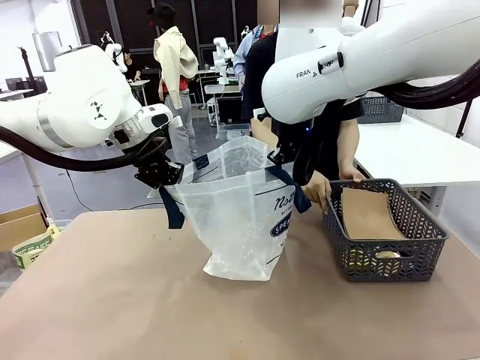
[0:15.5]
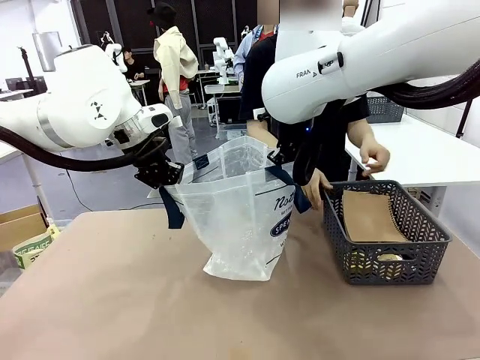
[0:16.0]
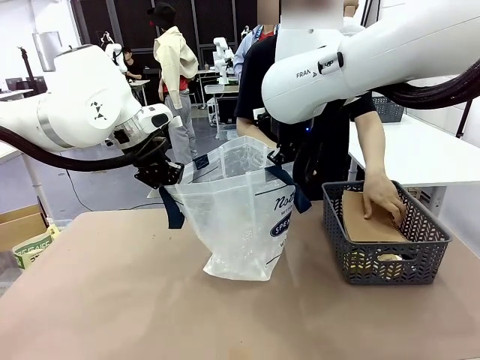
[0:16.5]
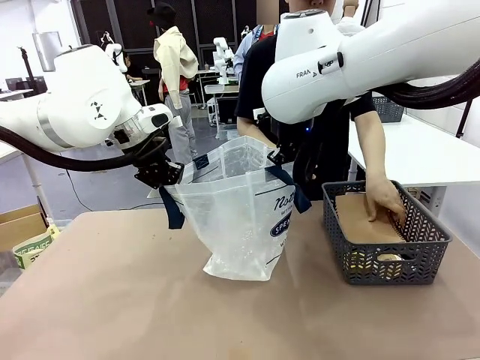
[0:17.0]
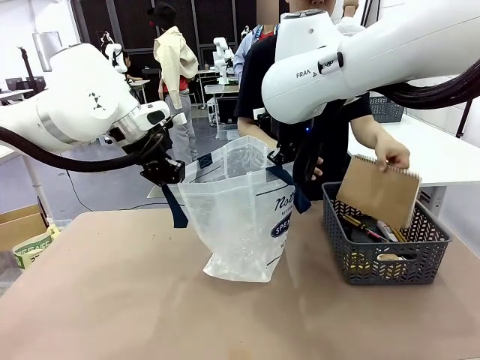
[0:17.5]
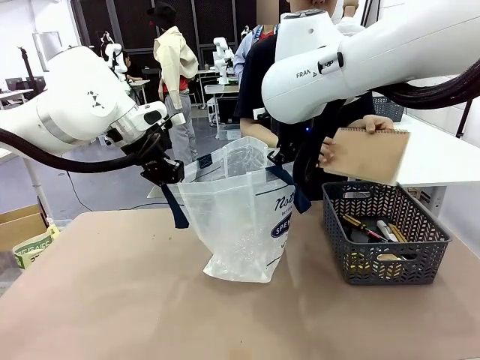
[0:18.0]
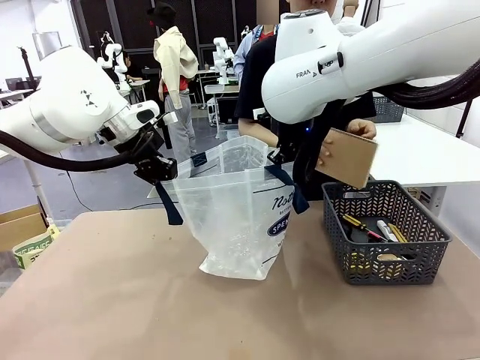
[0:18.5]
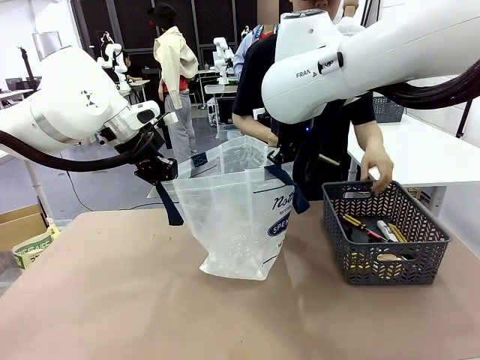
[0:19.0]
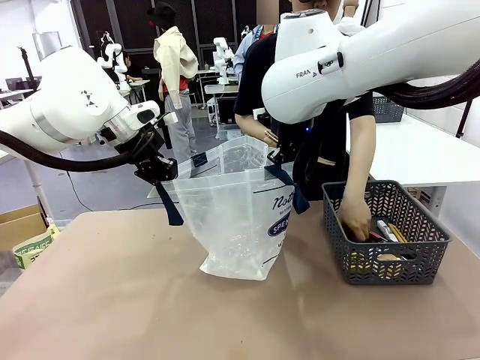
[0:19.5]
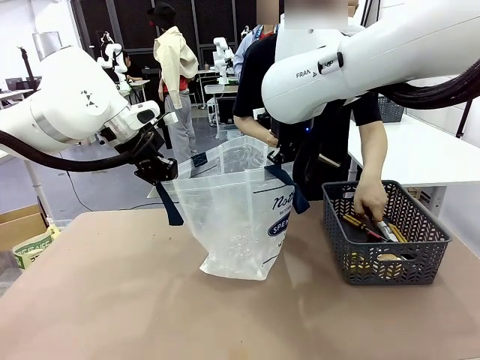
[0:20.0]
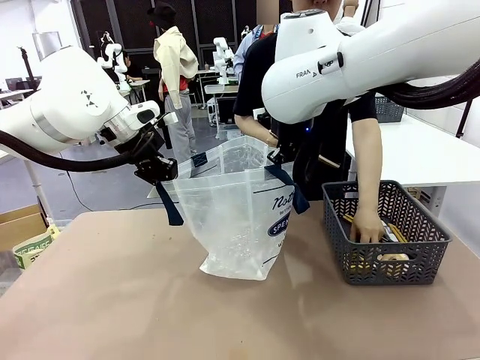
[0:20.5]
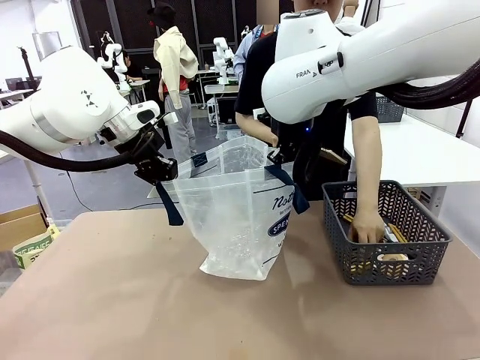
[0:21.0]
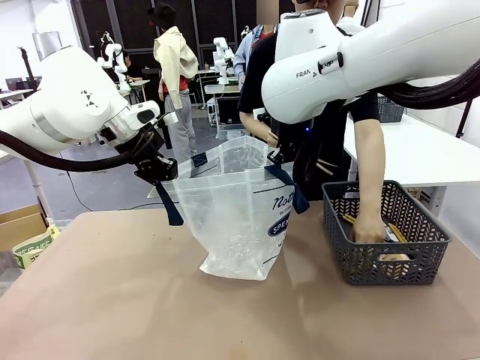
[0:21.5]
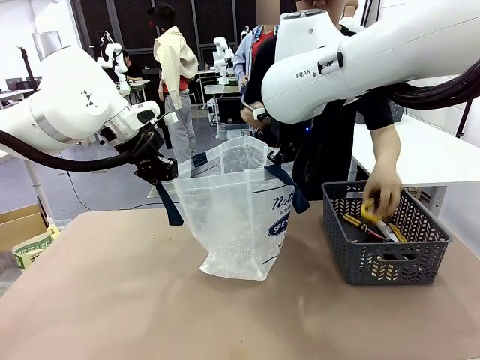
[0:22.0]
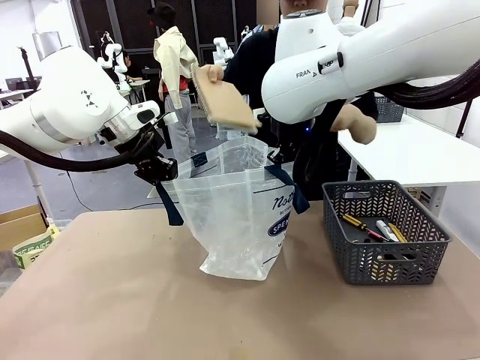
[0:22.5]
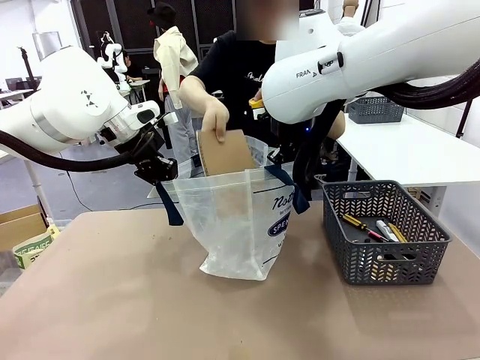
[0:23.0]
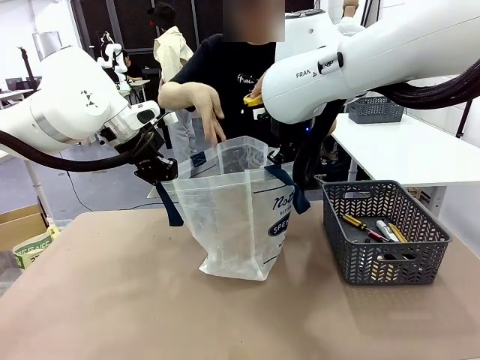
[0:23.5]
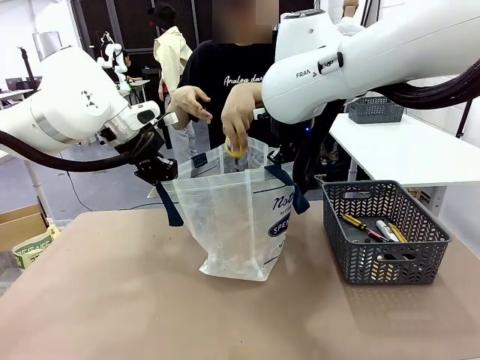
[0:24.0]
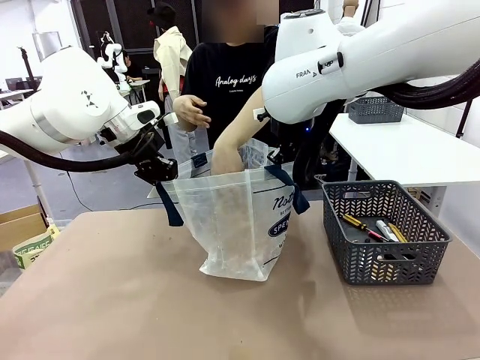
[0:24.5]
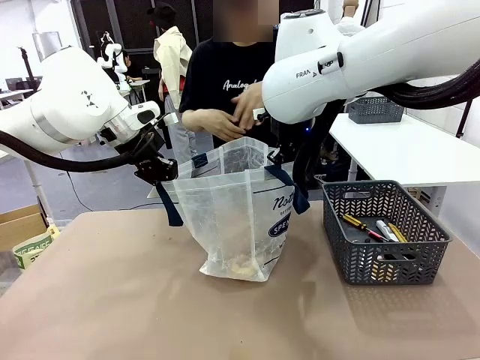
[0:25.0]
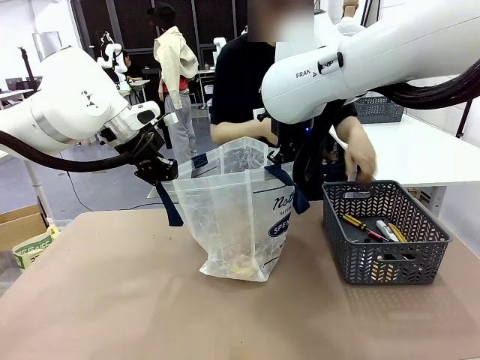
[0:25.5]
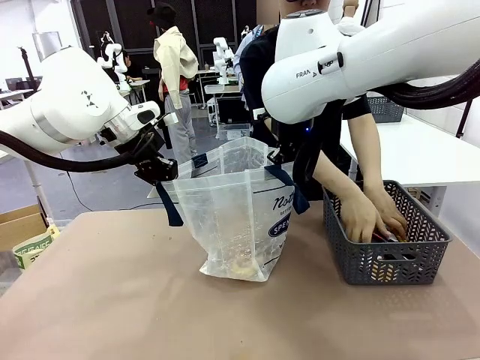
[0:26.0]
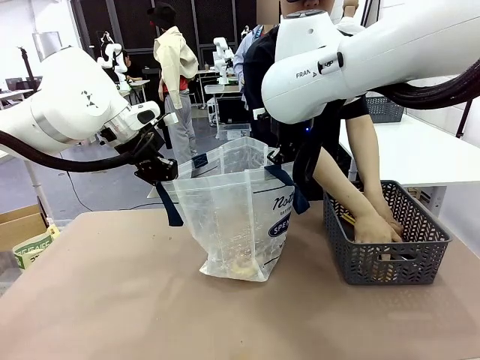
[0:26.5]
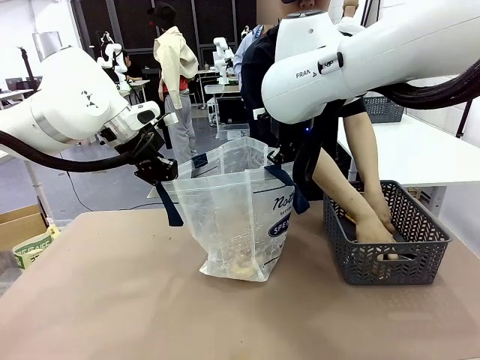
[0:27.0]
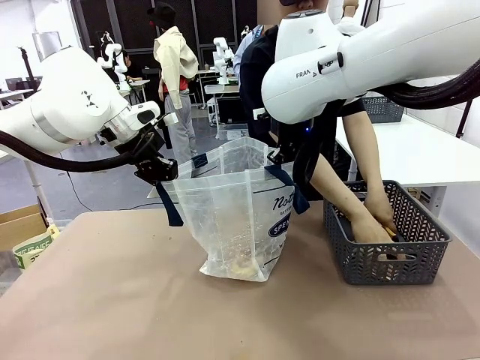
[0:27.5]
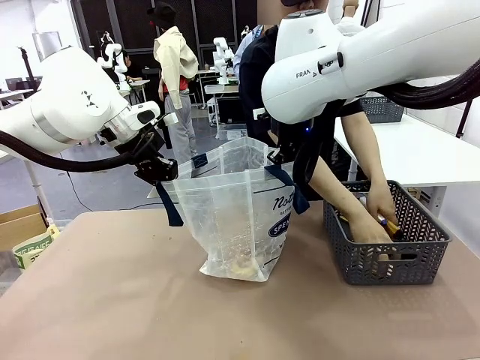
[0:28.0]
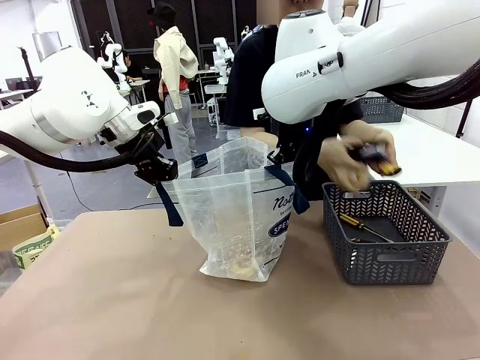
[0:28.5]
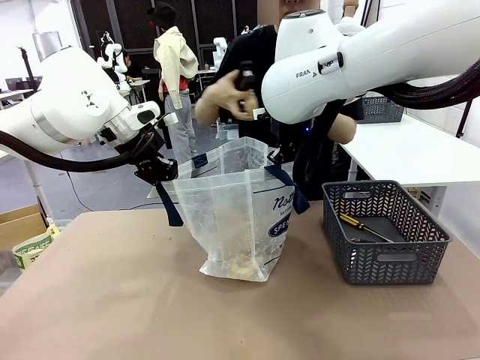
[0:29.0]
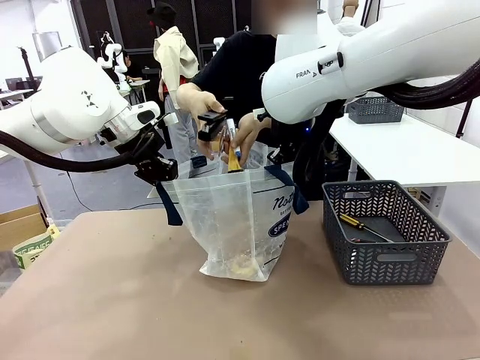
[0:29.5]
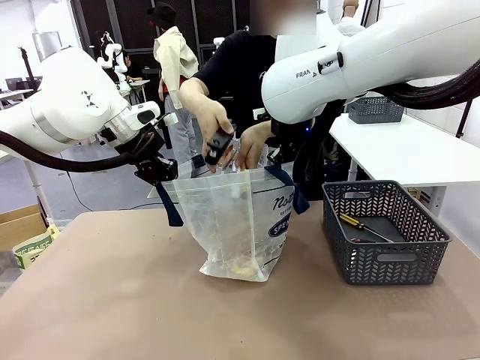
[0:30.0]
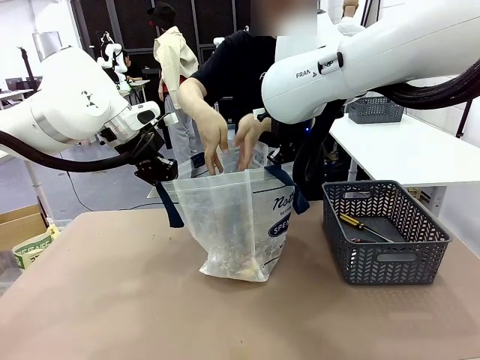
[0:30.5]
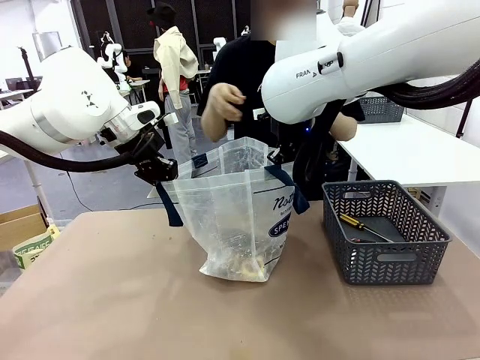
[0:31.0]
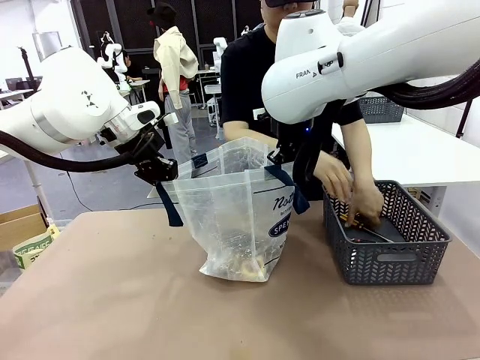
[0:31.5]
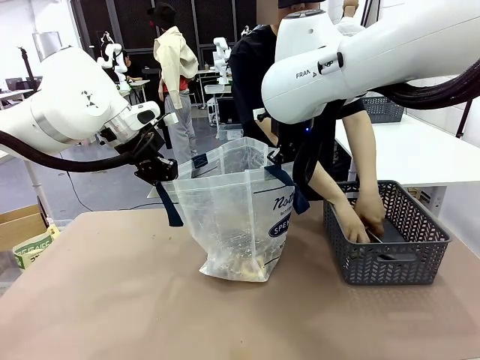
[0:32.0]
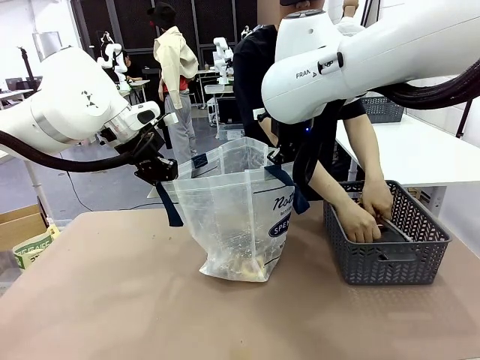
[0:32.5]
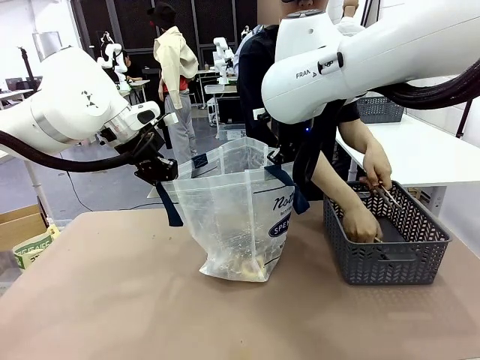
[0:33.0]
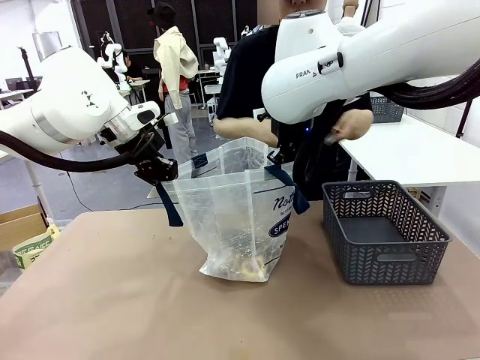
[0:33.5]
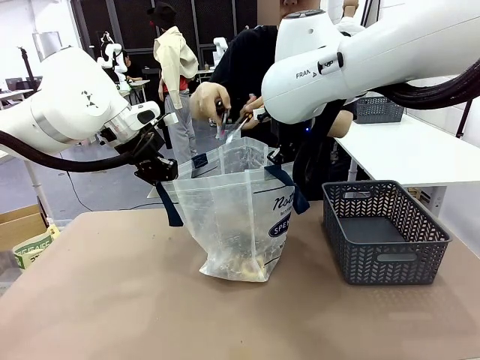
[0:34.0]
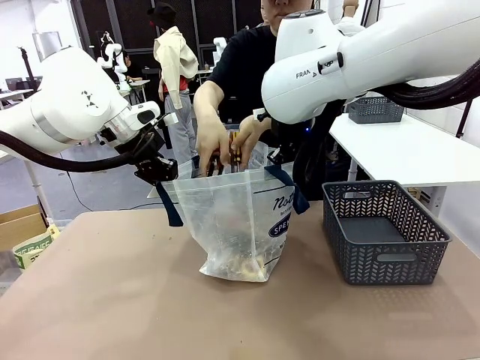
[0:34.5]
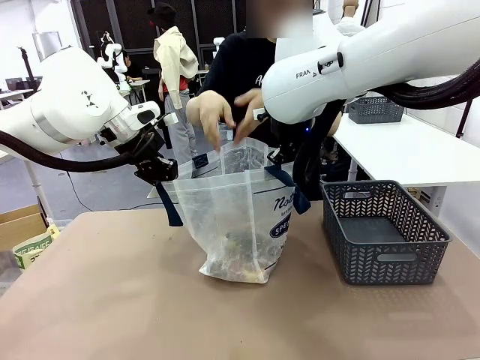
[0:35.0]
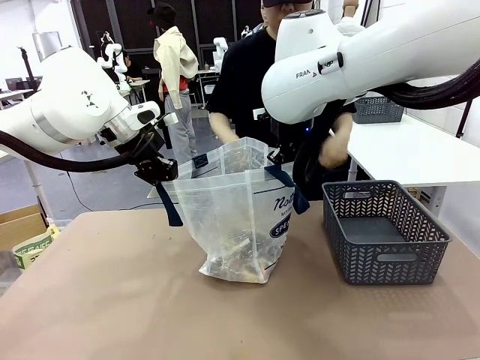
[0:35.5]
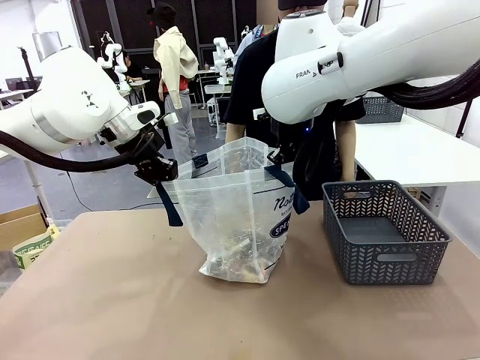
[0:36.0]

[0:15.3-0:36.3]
Task: Transfer purchased items from the store into the shopping bag.
Robot: Move the Reusable shopping bag to the right side of the table.
Person: Pick up the basket on the right, place it on the left side of the robot table, and move the items in the basket to the shopping bag.
